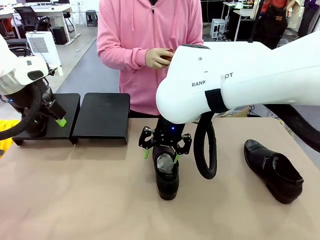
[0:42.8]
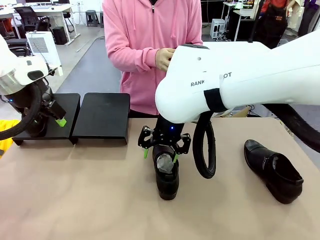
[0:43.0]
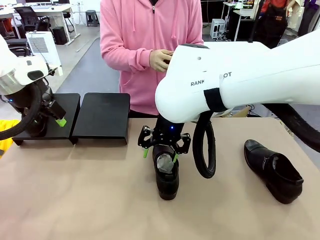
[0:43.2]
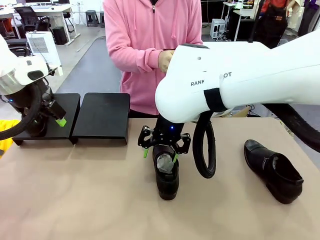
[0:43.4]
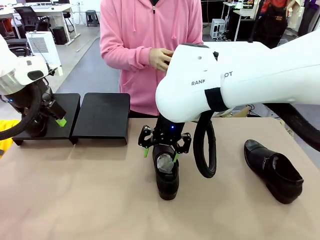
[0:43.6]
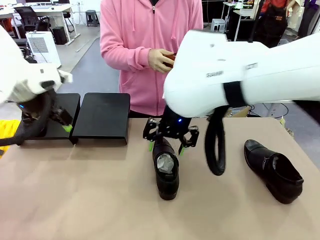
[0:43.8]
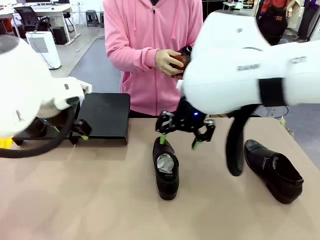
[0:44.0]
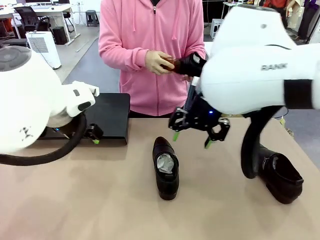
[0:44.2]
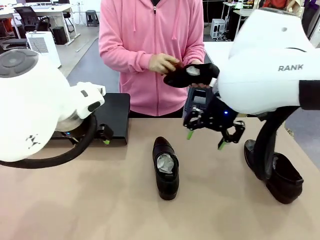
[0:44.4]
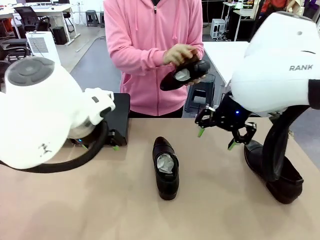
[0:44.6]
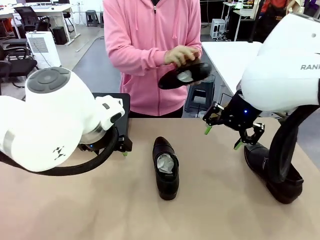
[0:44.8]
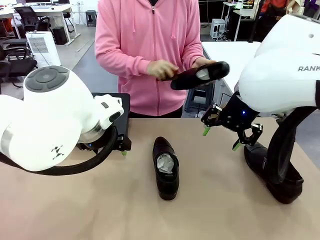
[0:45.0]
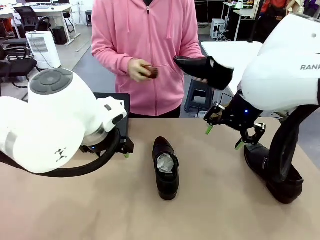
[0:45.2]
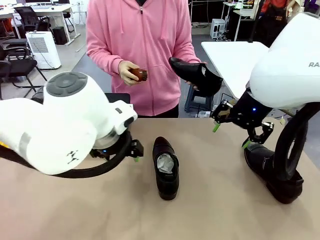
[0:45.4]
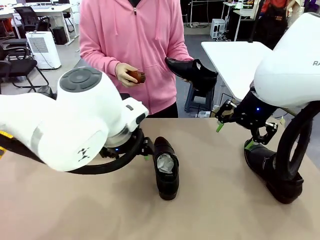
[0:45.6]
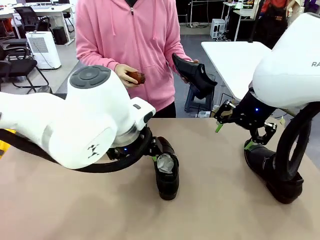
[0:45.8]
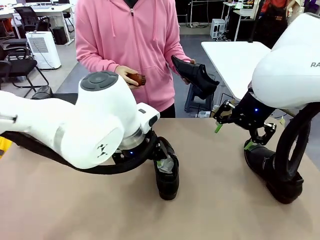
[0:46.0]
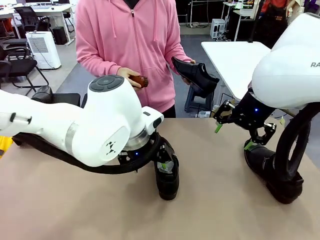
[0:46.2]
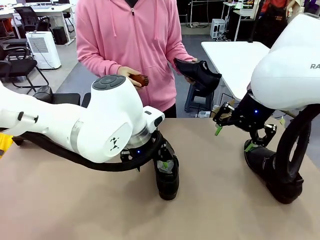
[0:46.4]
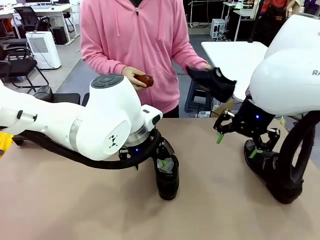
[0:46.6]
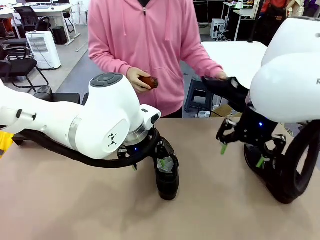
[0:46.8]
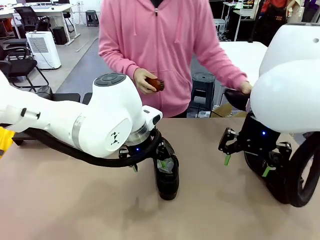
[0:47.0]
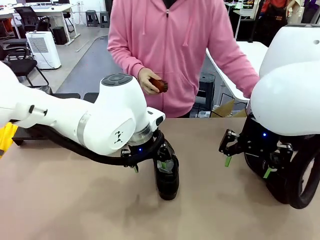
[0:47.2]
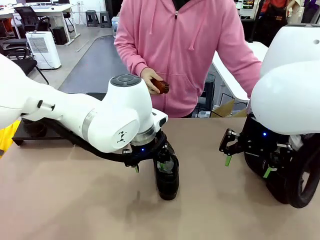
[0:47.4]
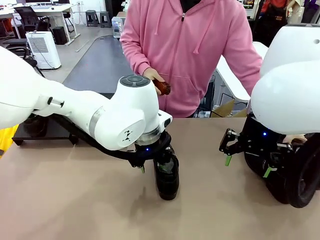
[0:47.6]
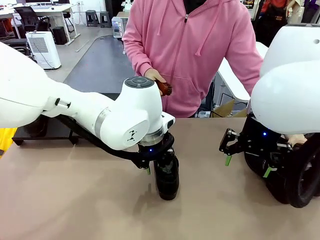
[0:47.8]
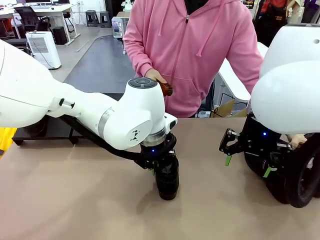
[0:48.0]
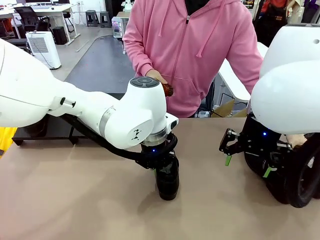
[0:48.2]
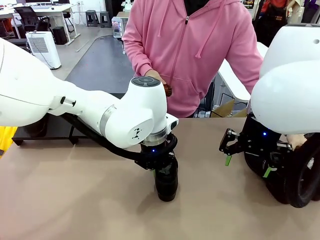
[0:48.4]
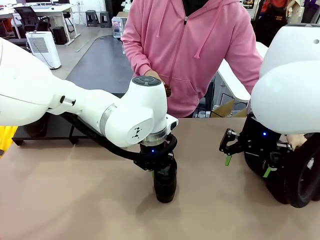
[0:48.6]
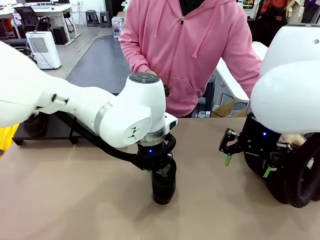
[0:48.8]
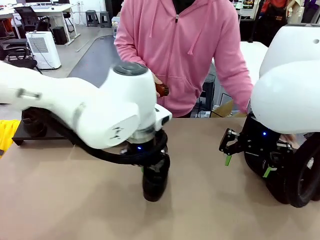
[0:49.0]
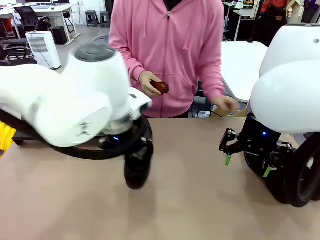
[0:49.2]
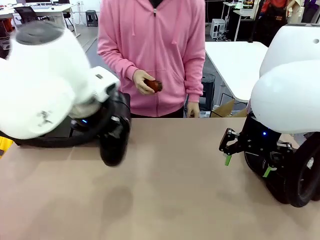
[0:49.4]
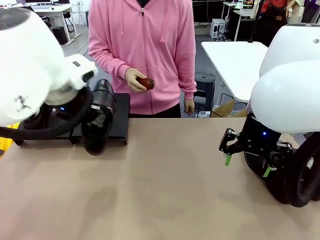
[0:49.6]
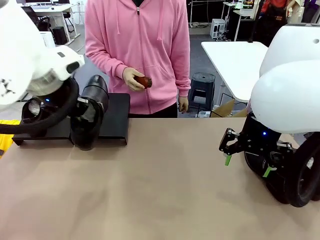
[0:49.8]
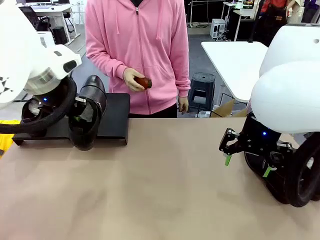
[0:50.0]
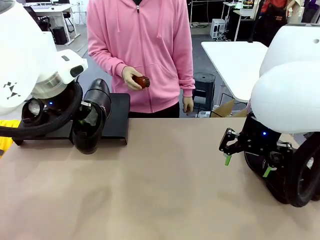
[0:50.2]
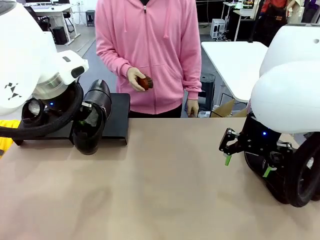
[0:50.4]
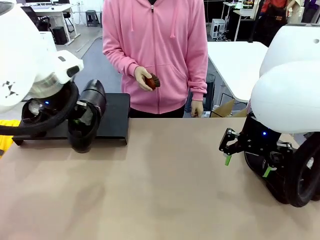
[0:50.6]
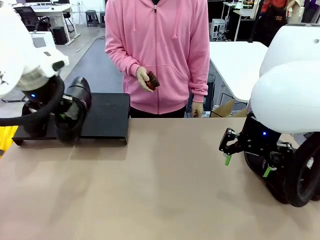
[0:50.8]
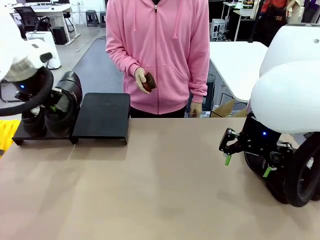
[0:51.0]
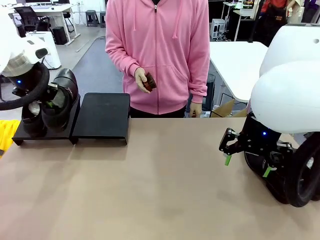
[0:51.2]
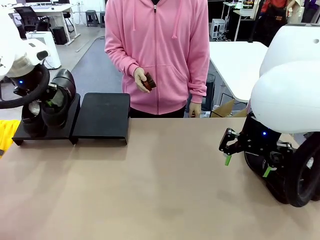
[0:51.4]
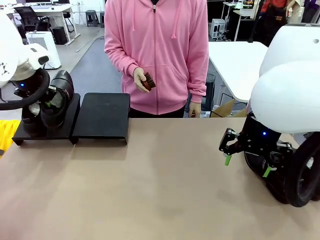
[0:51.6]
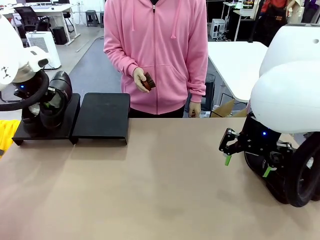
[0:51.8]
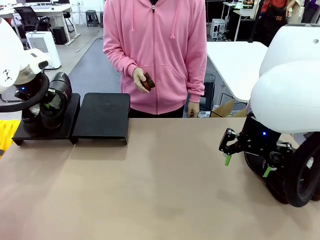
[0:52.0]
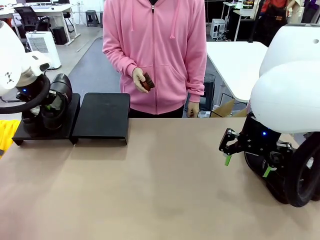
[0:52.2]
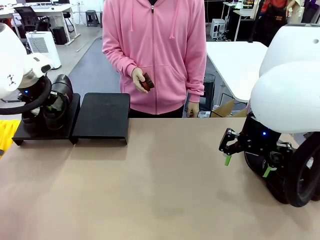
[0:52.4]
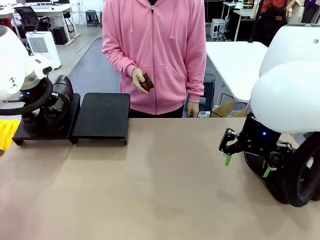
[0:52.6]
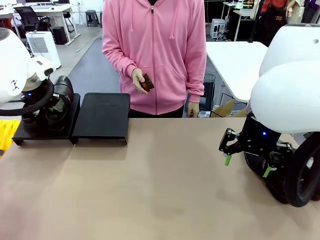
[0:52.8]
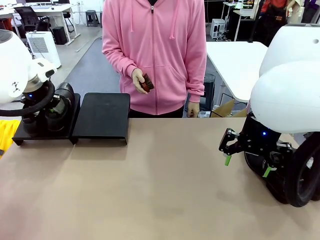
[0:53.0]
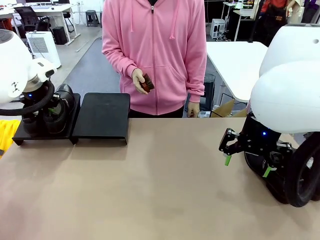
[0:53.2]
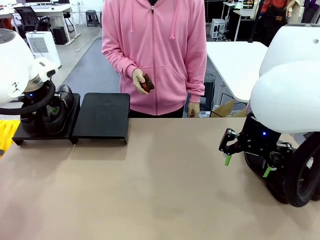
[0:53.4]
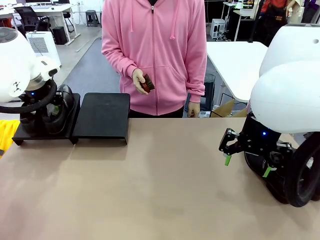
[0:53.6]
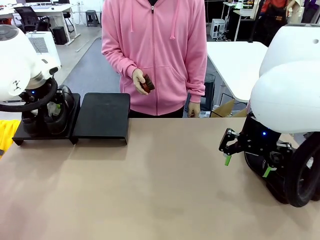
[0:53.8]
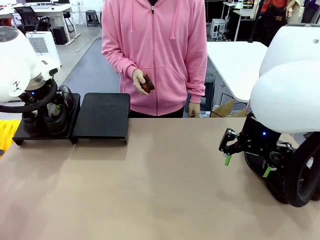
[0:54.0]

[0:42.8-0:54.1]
Task: Organize the shoes by placing them on the stand.
Robot: Place the Shoe from the middle of the table onto the Shoes Stand.

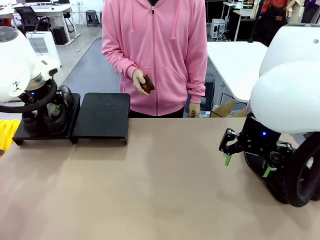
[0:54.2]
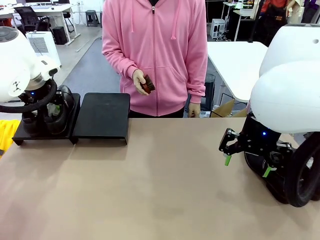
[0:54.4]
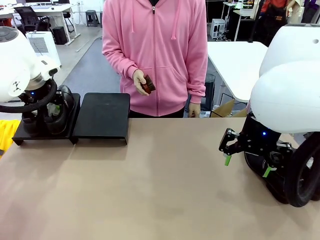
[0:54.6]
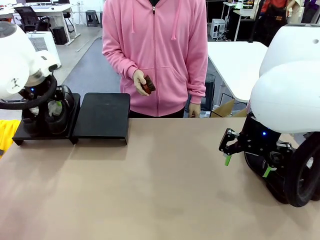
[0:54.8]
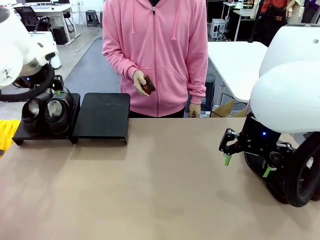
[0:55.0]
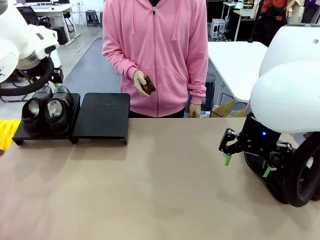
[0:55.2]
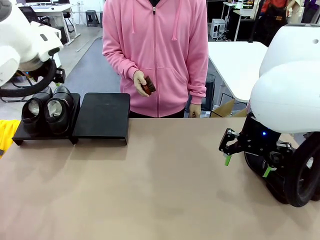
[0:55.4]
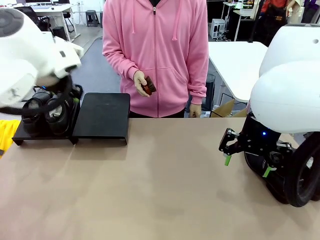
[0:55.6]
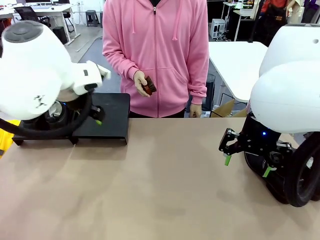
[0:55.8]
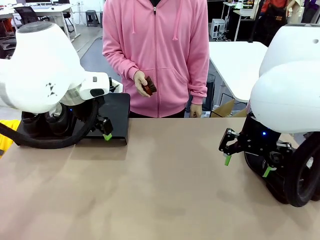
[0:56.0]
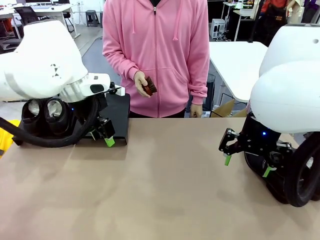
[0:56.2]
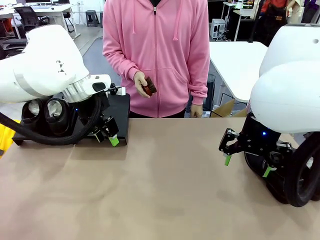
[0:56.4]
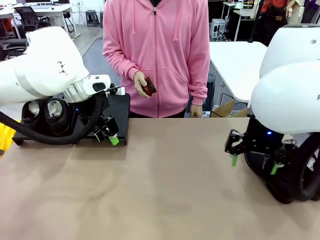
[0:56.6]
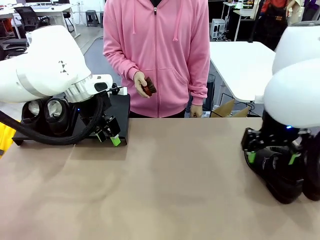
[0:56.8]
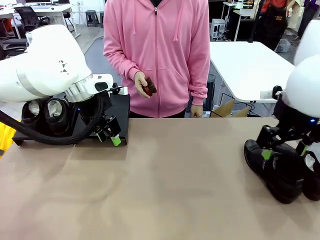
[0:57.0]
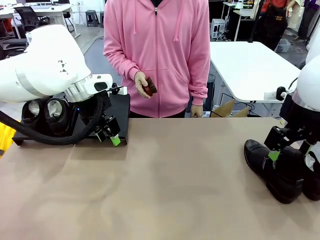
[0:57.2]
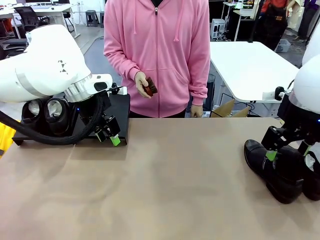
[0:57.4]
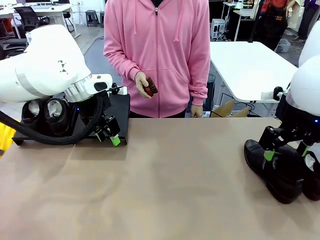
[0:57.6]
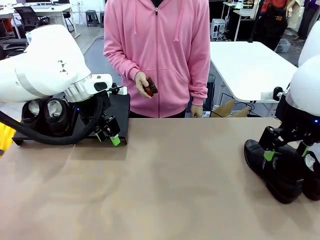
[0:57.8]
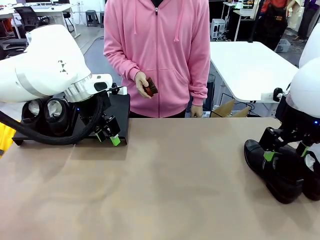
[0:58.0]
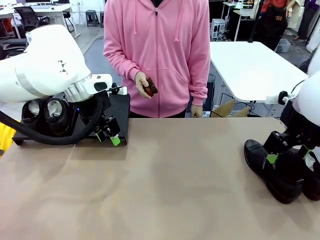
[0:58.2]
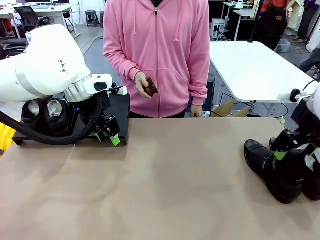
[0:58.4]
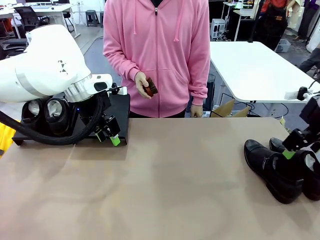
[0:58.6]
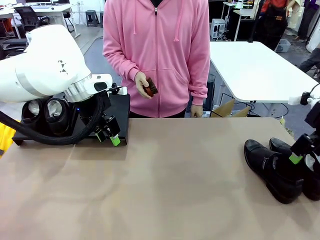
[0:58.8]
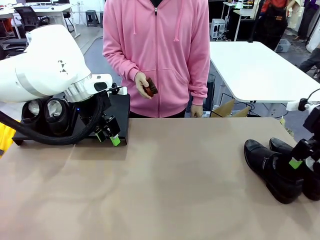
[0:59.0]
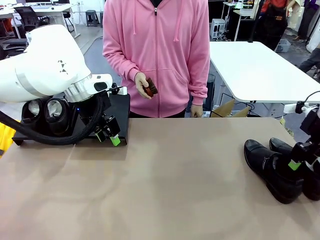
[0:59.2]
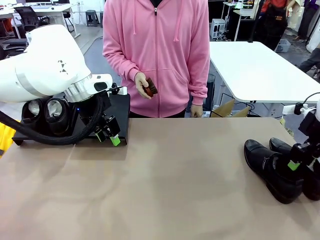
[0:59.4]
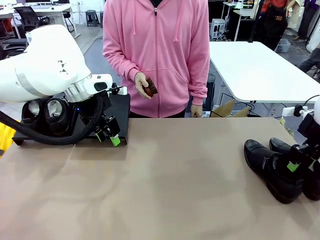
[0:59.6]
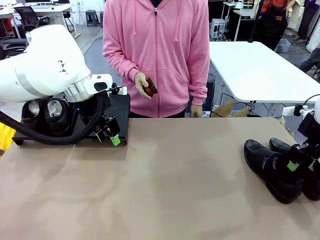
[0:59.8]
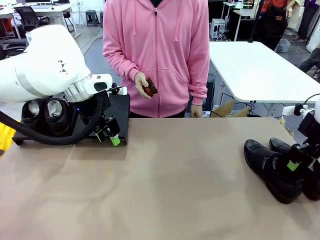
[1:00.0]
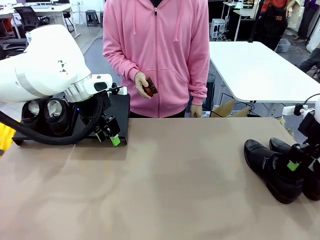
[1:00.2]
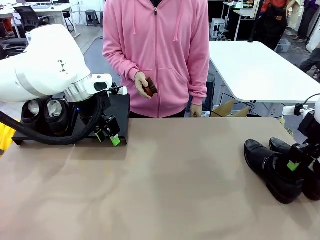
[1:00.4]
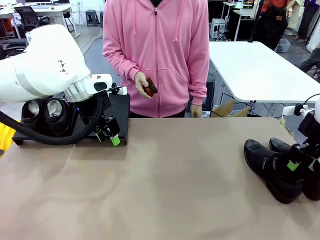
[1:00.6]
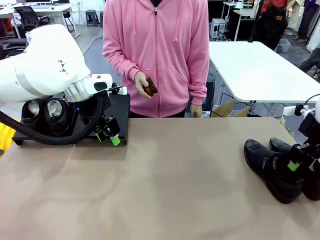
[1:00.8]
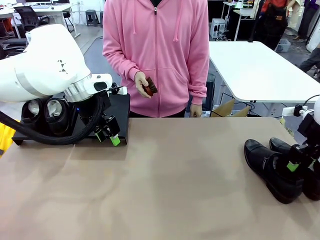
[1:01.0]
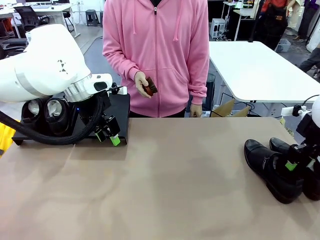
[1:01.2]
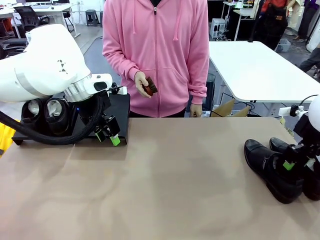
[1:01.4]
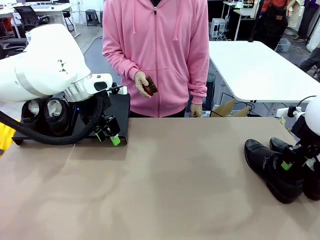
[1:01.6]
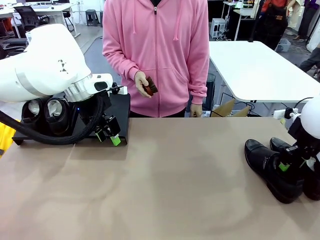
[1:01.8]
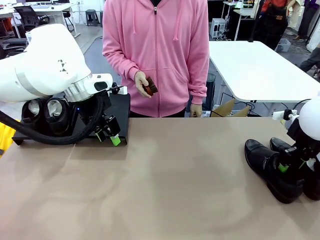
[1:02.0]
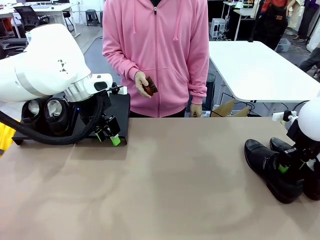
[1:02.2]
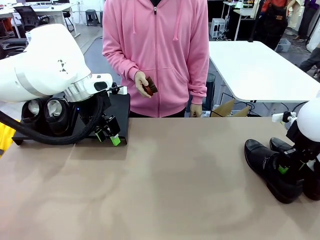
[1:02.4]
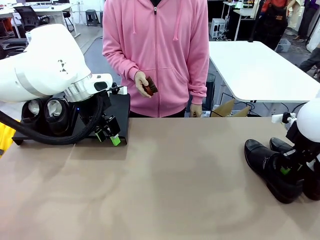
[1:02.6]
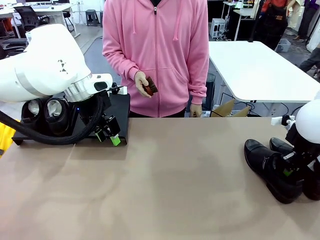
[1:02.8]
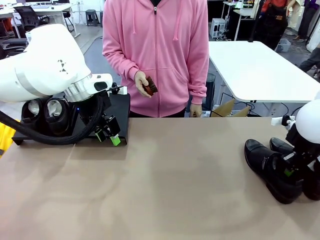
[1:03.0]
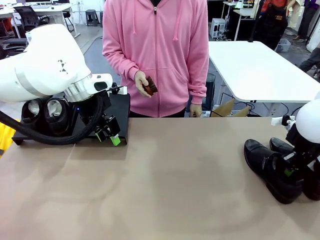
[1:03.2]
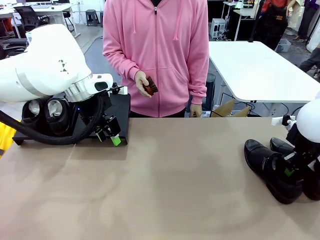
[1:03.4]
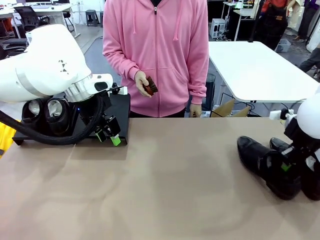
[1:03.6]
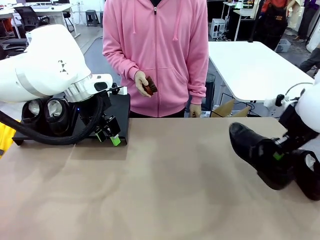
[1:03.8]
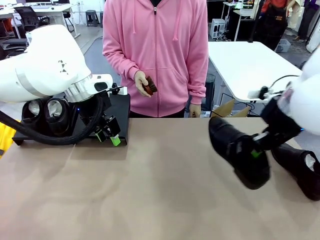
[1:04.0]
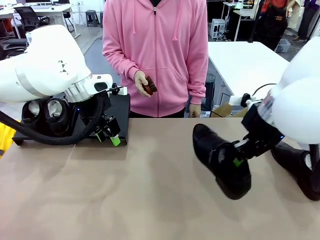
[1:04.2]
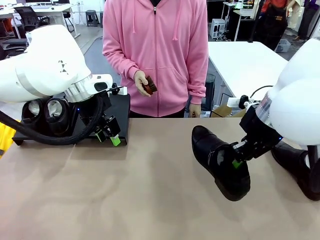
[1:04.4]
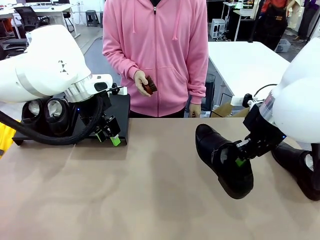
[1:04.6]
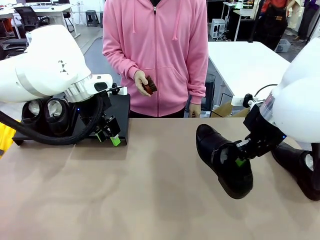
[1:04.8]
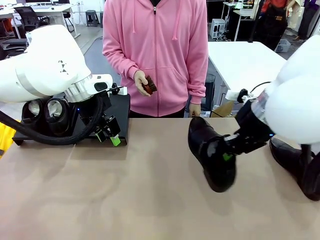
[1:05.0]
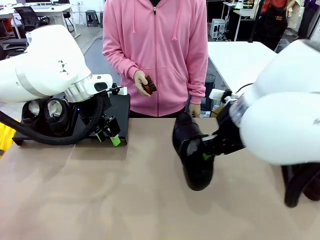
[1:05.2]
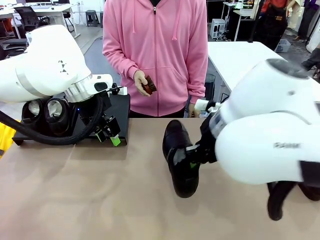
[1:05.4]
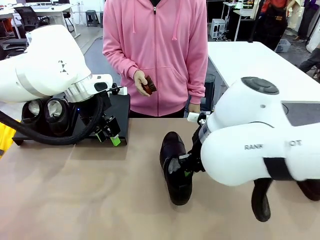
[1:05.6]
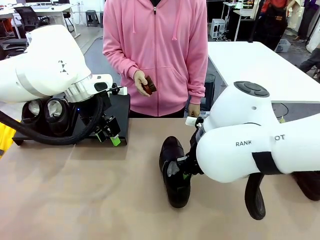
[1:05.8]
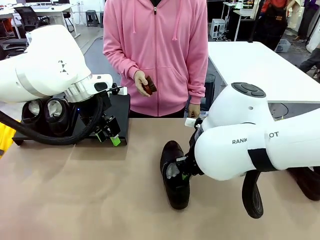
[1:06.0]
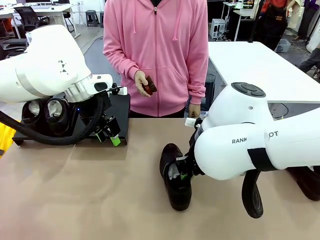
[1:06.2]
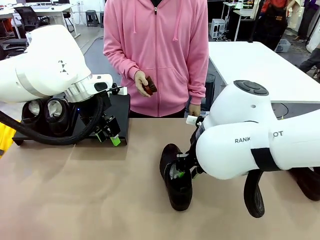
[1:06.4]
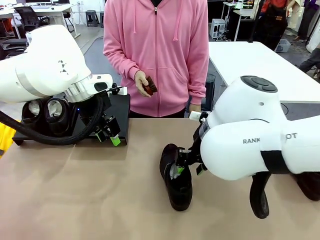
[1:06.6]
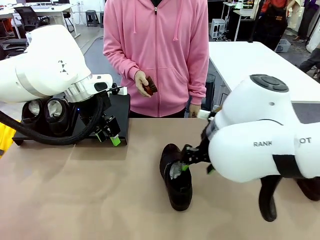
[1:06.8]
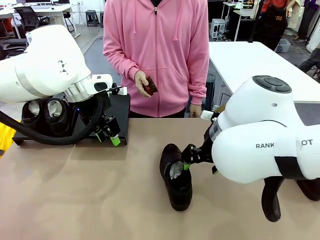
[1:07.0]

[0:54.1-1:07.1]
Robot: Pick up one Shoe and place it in the middle of the table.
